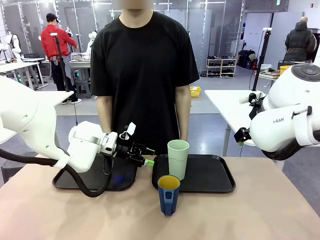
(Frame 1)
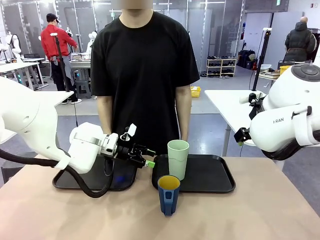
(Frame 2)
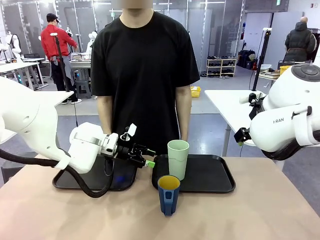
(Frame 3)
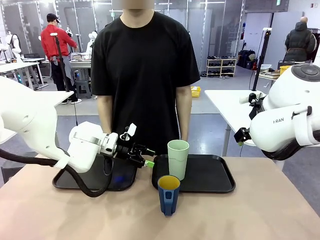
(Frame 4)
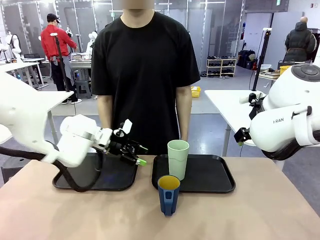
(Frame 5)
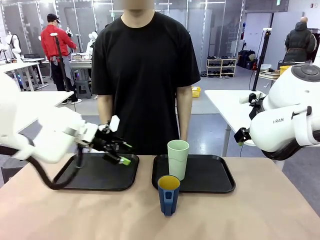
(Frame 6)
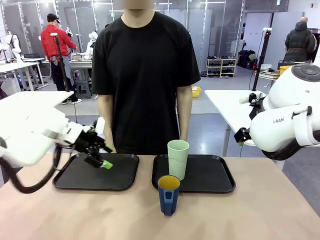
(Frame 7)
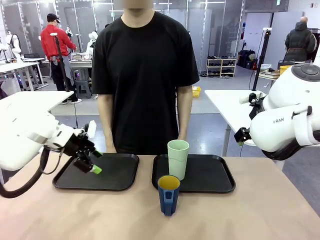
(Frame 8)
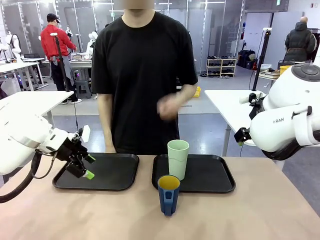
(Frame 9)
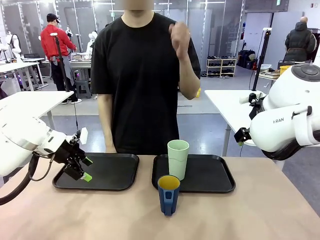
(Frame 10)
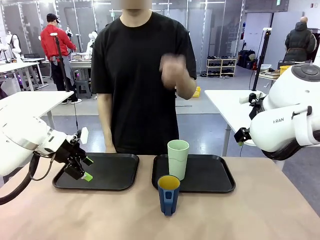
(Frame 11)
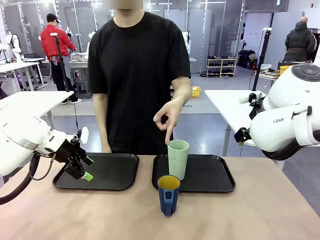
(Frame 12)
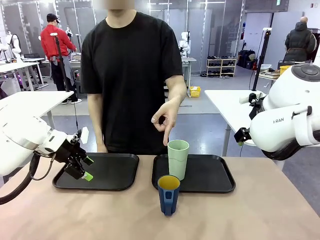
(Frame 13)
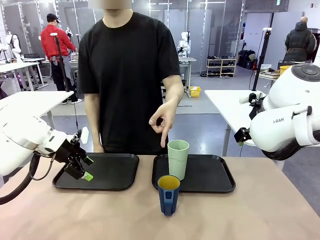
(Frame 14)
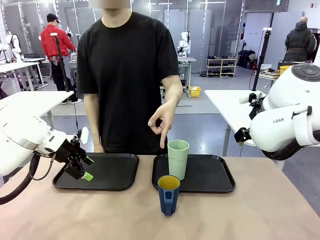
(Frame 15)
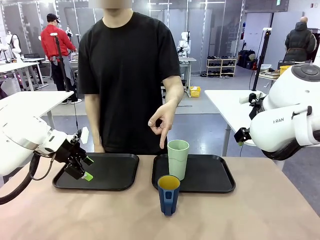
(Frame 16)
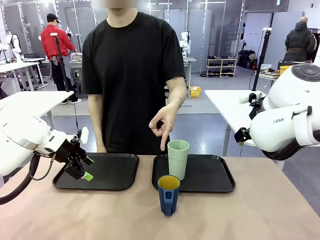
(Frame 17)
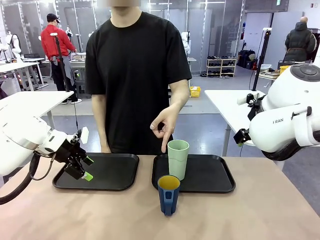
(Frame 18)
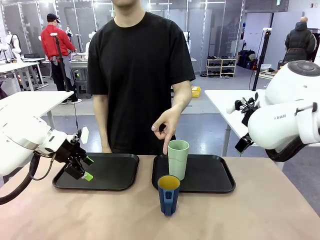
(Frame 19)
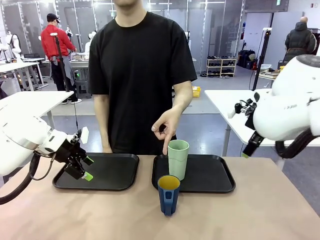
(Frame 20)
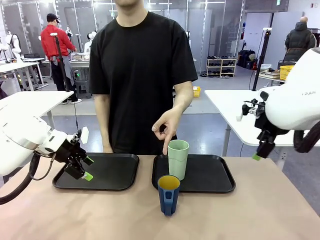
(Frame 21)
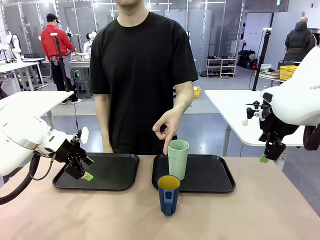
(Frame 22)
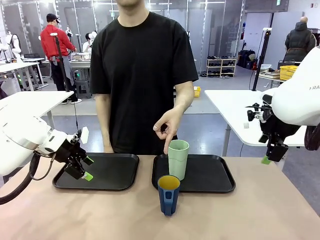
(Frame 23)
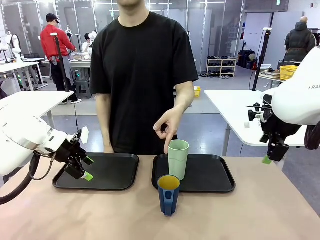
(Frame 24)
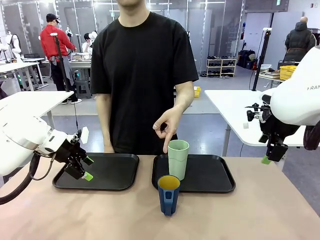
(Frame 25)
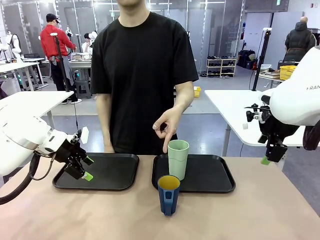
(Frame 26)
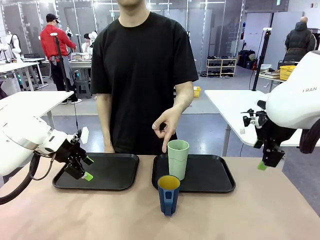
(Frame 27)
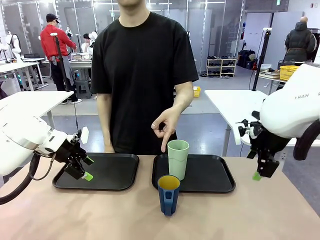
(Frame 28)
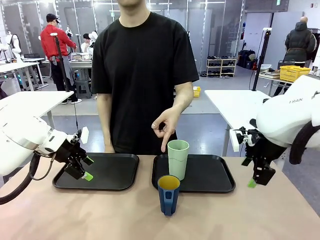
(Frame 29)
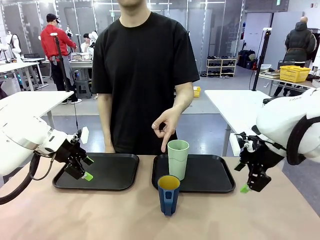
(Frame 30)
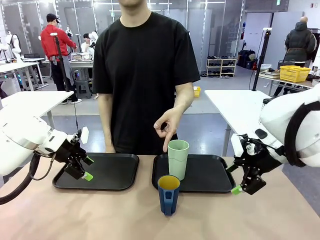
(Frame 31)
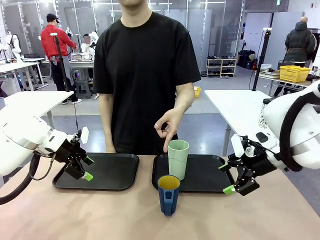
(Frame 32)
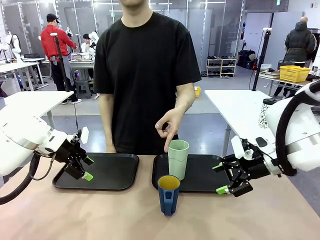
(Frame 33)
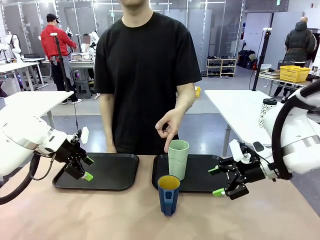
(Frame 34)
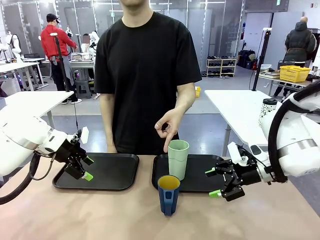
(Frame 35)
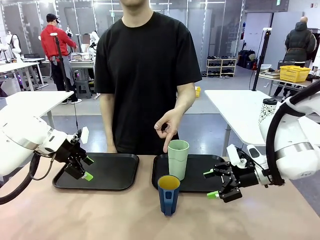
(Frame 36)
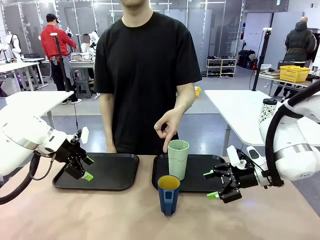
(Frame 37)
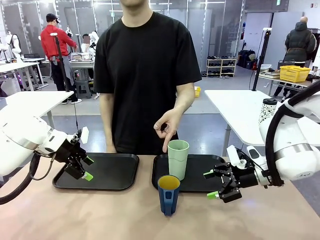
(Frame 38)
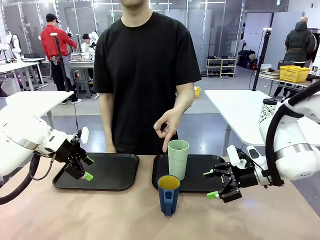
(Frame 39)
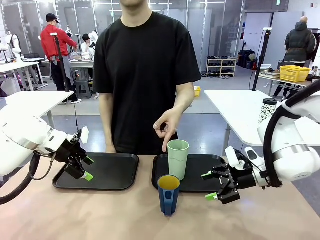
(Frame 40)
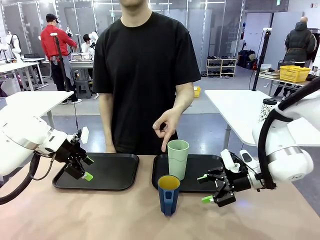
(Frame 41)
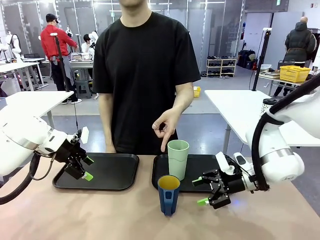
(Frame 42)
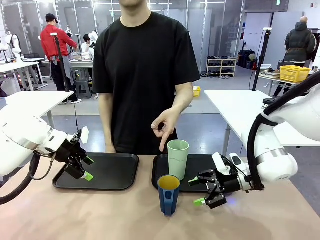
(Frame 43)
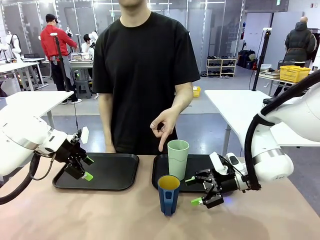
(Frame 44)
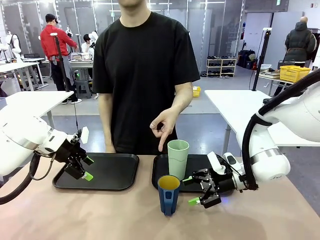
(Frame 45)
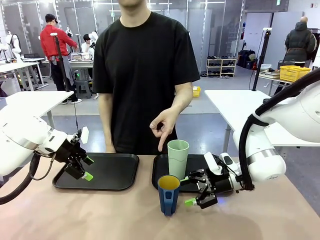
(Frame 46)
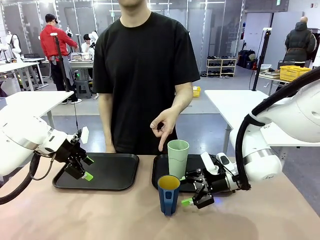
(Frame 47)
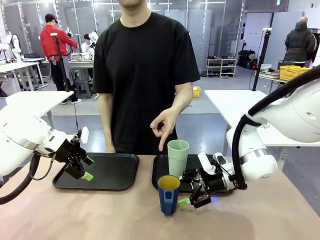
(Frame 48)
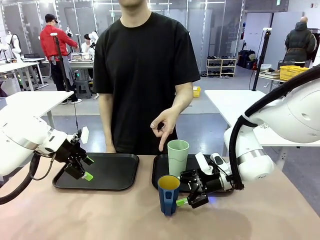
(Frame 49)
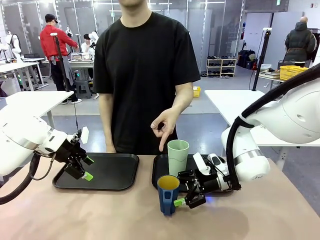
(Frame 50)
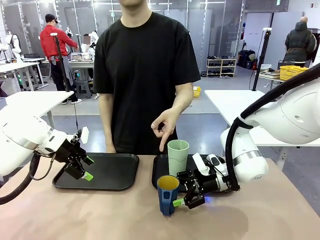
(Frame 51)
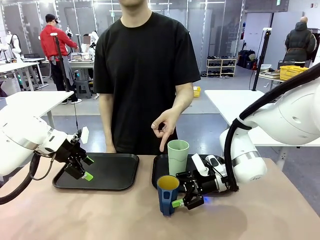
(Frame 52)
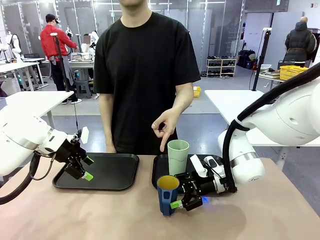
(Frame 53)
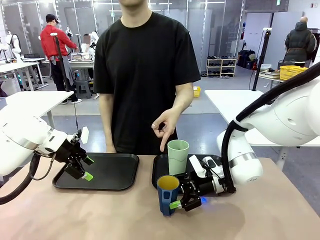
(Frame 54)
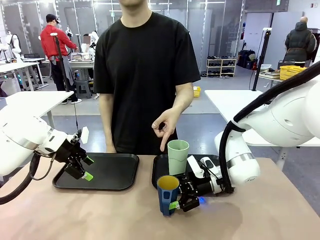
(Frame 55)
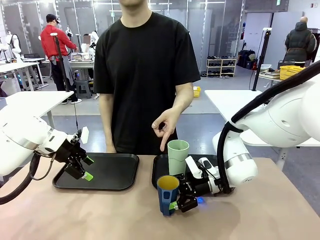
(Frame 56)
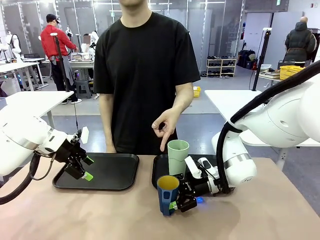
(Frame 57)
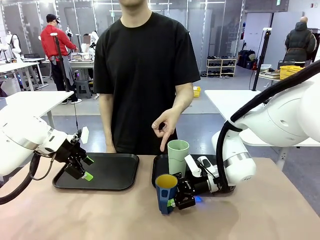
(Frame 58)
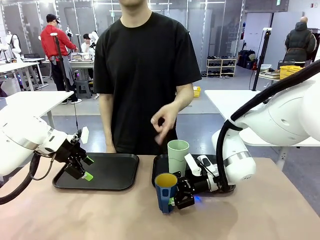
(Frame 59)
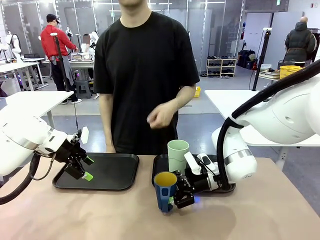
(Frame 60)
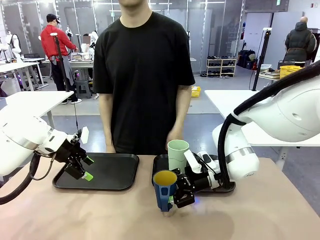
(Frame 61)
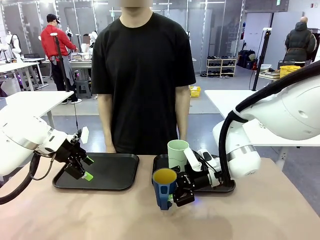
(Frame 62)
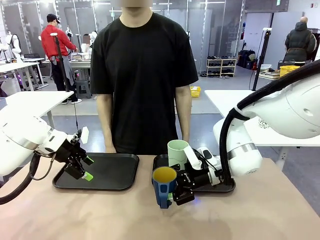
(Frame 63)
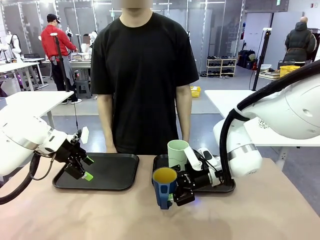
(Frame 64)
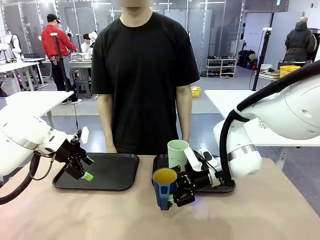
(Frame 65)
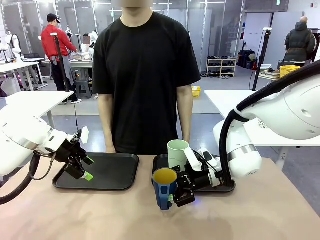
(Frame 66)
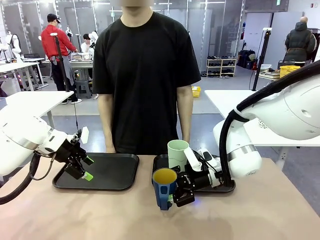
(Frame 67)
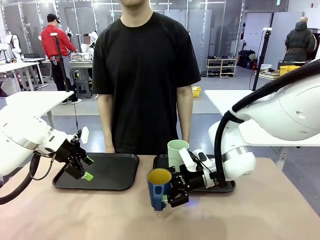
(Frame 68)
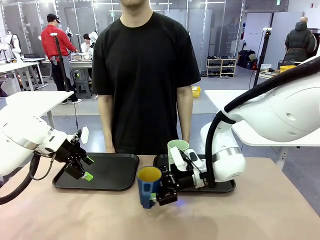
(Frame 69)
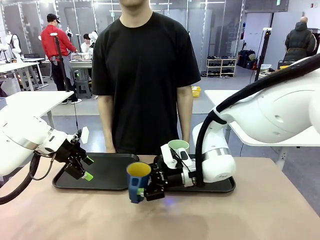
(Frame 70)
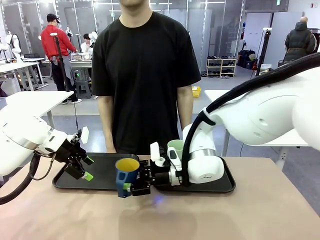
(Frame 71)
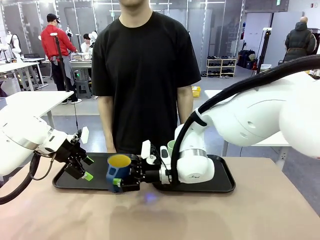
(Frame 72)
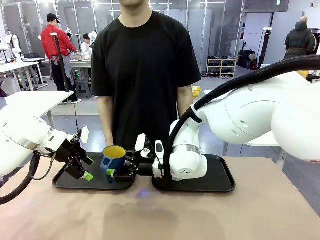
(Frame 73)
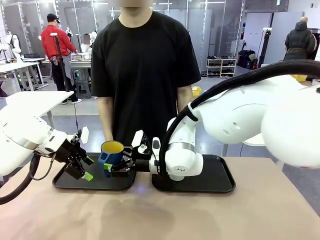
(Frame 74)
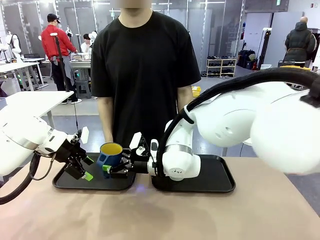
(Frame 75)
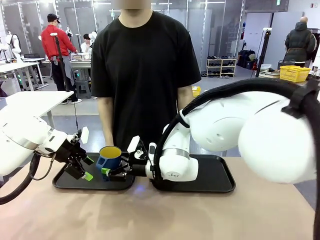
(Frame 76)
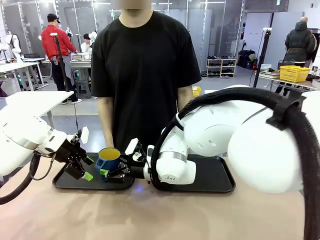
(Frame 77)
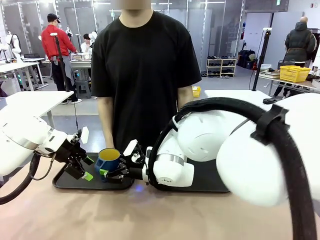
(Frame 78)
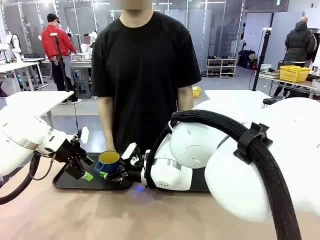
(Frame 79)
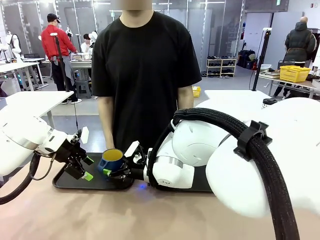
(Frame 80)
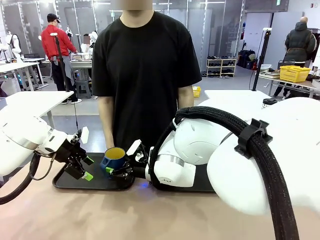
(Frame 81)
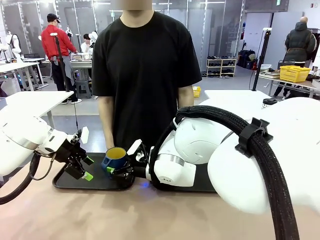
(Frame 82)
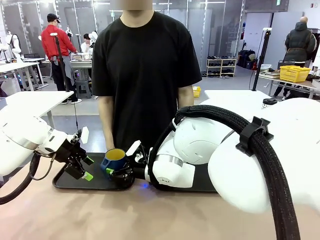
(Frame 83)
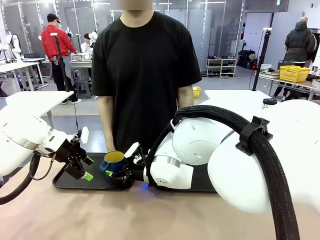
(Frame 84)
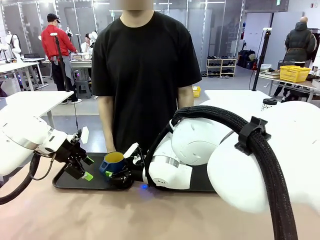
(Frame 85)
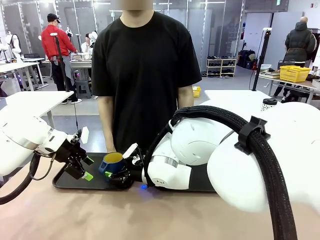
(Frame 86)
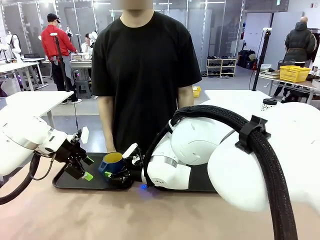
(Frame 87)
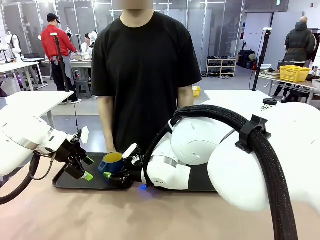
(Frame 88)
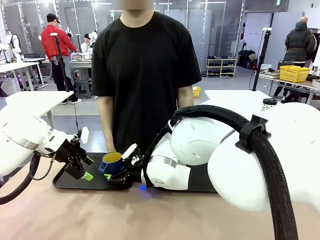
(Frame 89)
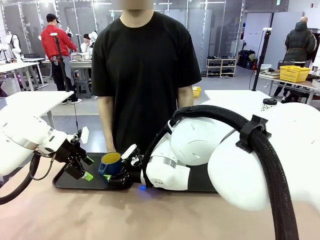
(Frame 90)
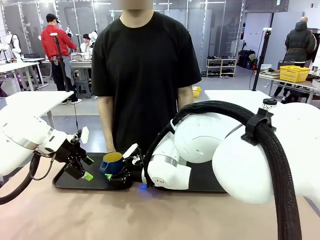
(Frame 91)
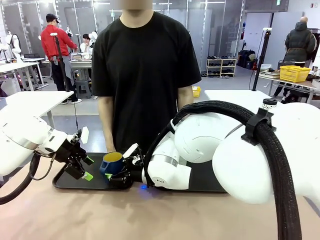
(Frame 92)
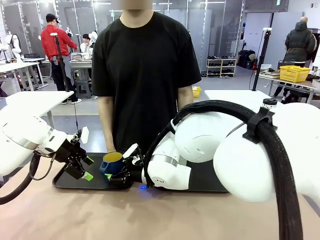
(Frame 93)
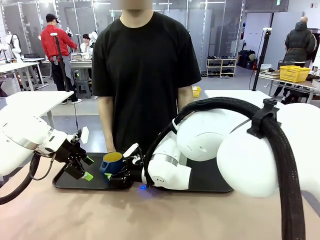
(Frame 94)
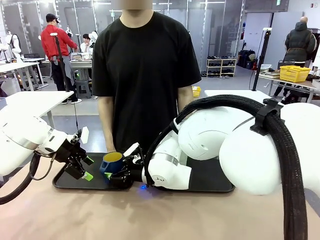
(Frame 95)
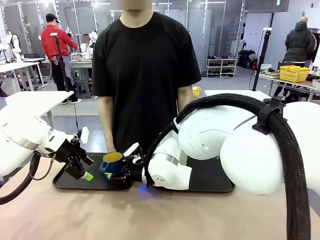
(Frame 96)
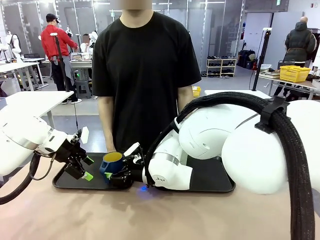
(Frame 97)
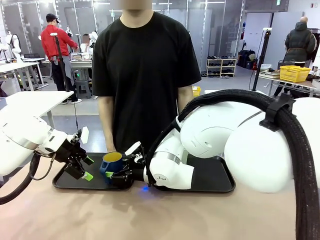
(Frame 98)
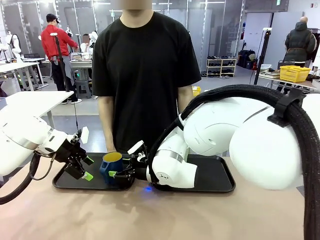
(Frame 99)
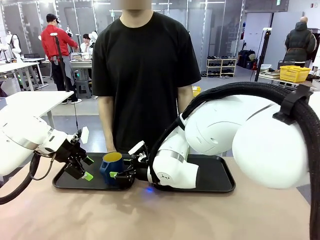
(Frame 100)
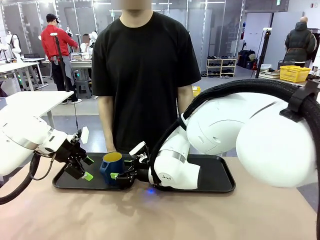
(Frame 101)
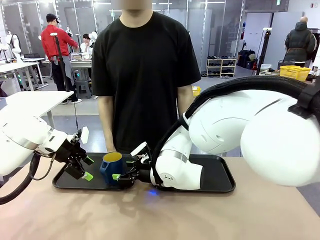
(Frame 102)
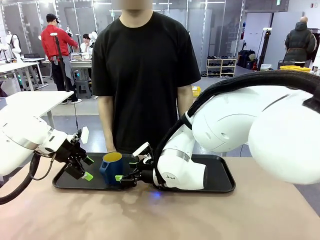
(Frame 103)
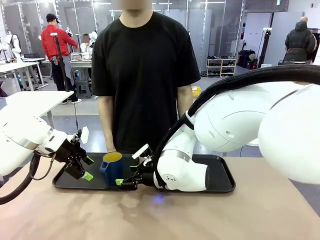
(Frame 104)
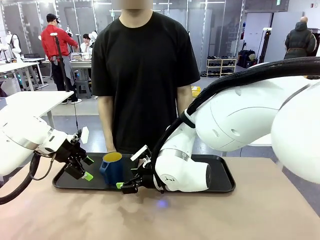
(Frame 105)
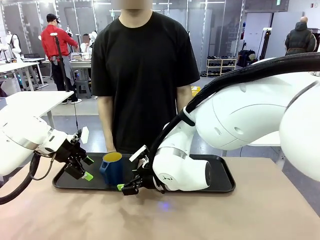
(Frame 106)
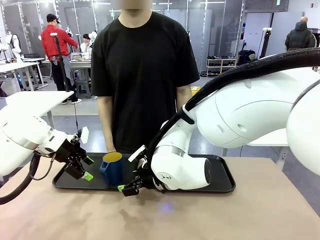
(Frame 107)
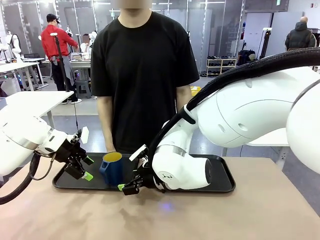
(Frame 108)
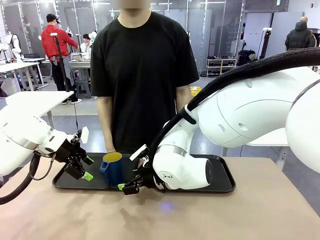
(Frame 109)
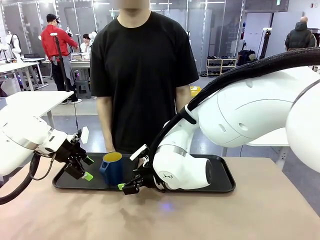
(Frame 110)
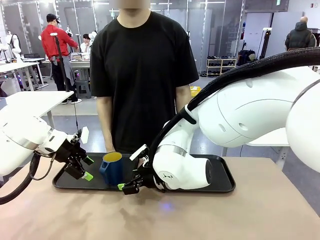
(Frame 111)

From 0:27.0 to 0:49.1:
Task: Sort and store the cups by type.
Robot: Pick up the Handle plastic cup and place it into the empty Flat Tray.
Person: Points to the cup with a handle.
